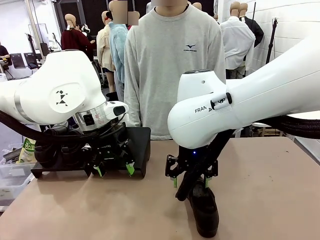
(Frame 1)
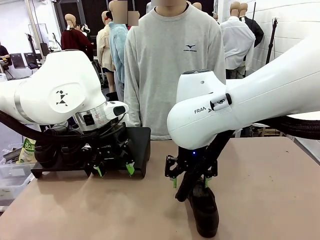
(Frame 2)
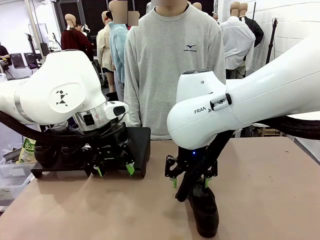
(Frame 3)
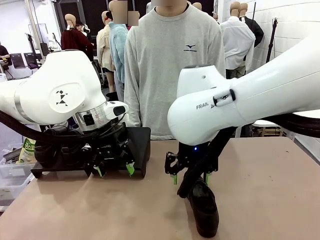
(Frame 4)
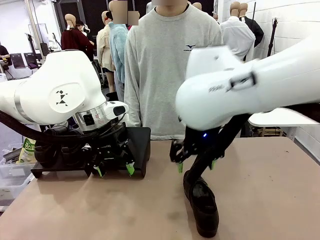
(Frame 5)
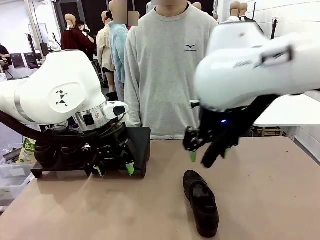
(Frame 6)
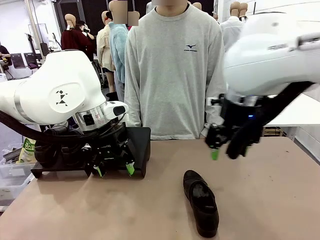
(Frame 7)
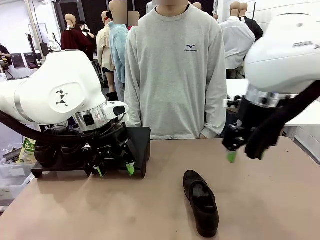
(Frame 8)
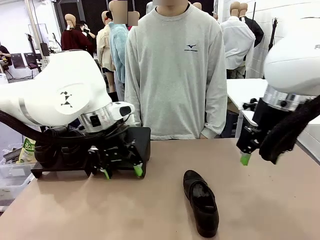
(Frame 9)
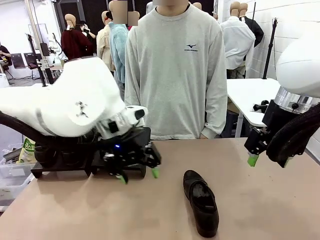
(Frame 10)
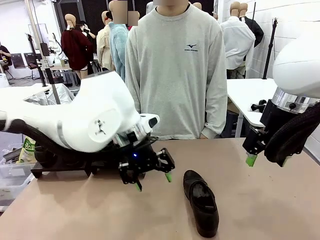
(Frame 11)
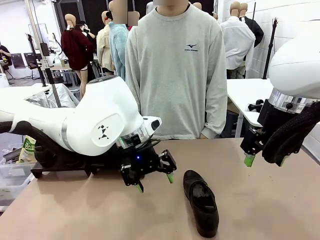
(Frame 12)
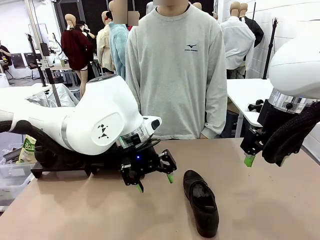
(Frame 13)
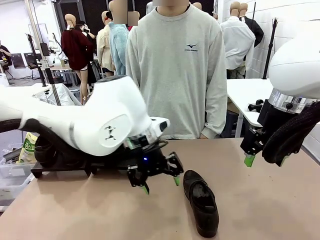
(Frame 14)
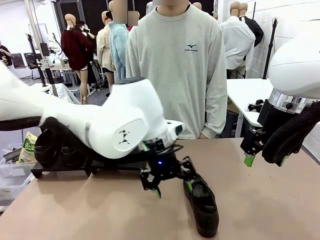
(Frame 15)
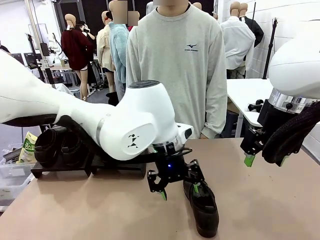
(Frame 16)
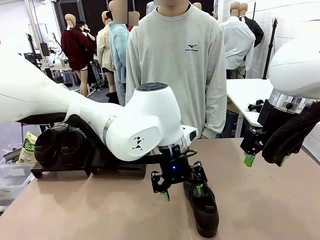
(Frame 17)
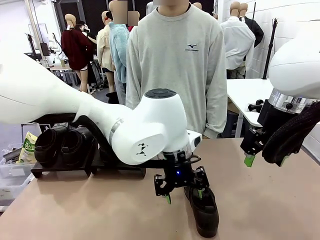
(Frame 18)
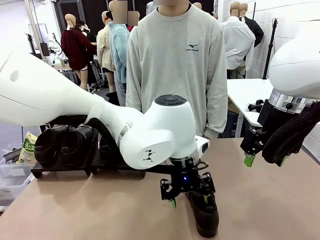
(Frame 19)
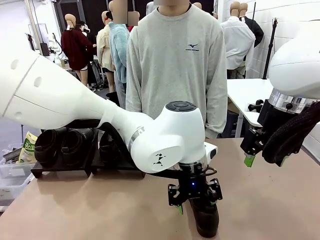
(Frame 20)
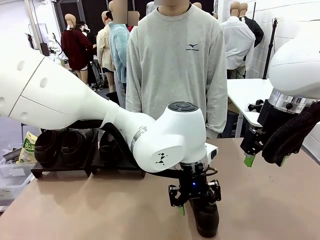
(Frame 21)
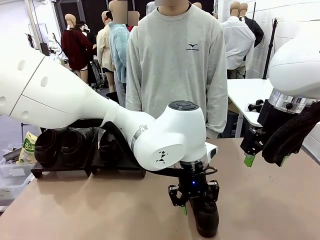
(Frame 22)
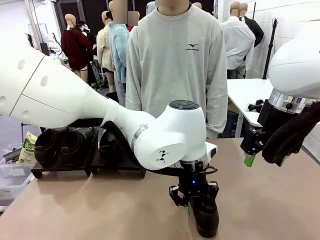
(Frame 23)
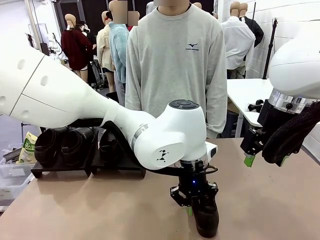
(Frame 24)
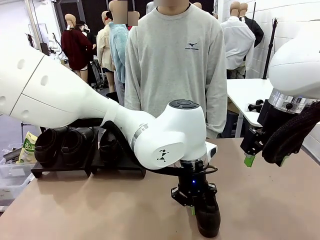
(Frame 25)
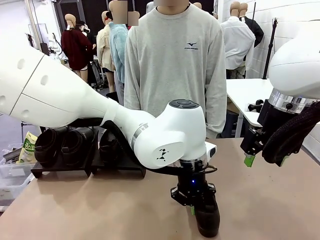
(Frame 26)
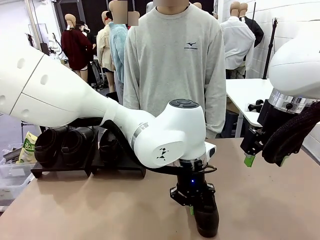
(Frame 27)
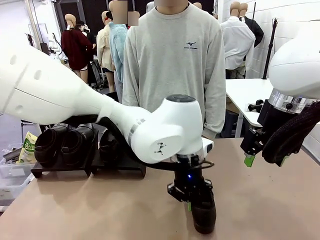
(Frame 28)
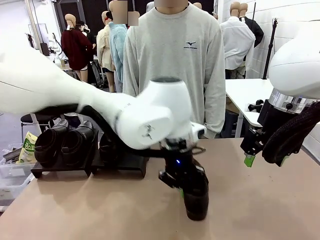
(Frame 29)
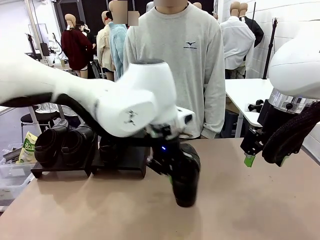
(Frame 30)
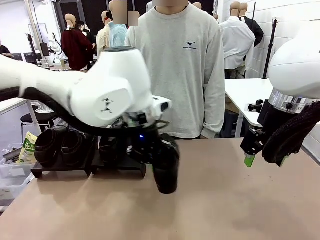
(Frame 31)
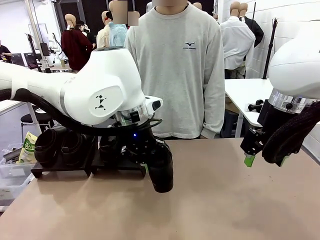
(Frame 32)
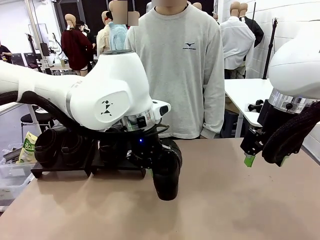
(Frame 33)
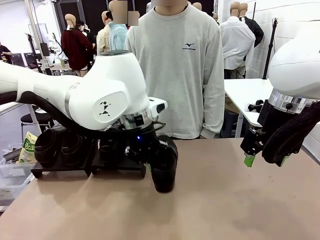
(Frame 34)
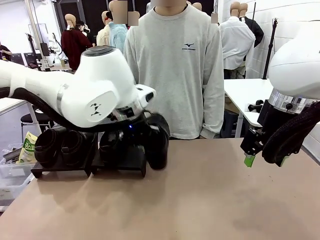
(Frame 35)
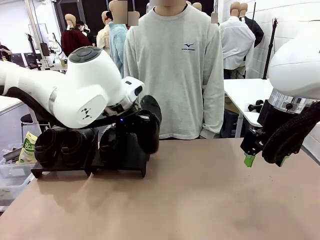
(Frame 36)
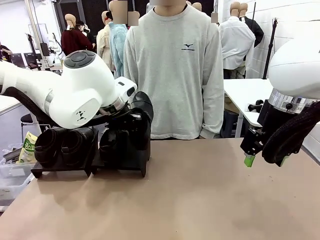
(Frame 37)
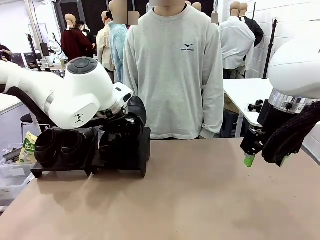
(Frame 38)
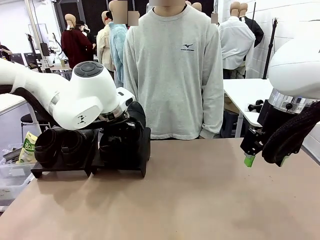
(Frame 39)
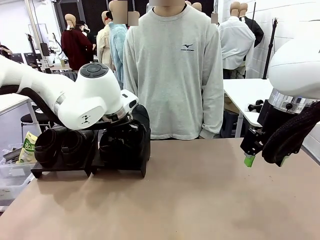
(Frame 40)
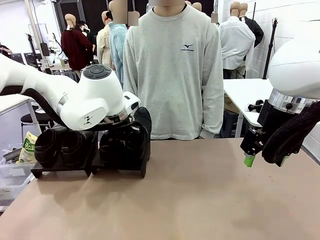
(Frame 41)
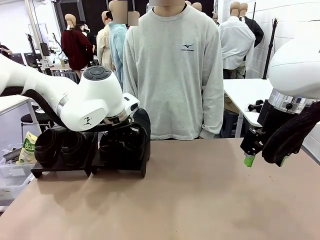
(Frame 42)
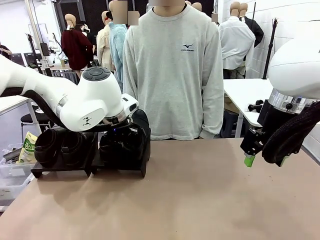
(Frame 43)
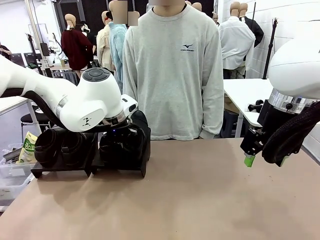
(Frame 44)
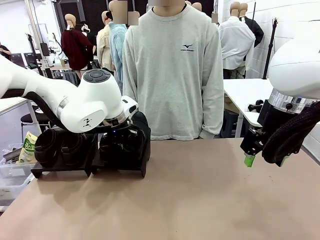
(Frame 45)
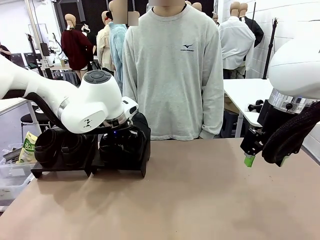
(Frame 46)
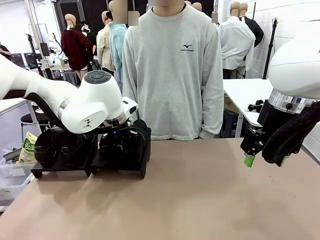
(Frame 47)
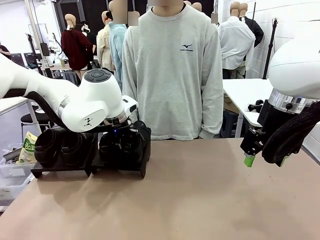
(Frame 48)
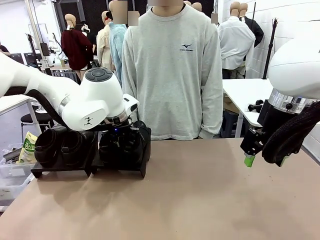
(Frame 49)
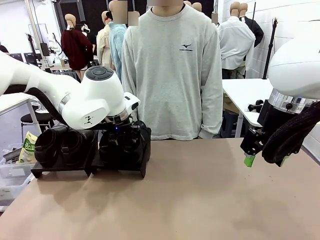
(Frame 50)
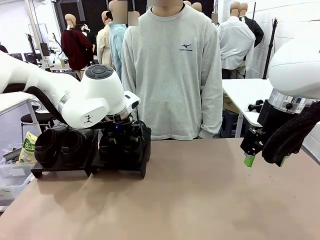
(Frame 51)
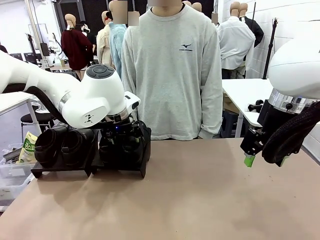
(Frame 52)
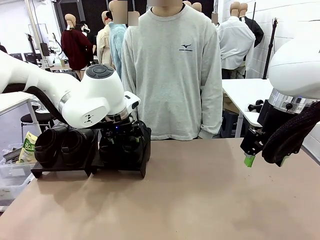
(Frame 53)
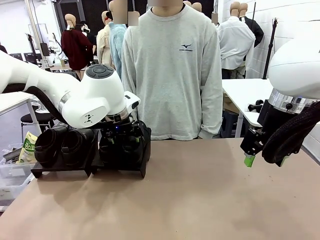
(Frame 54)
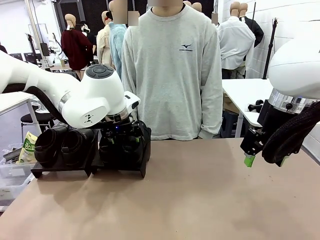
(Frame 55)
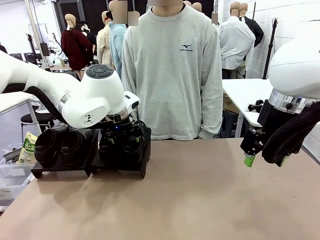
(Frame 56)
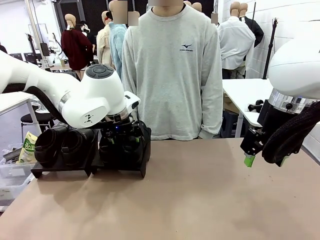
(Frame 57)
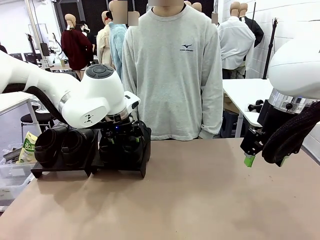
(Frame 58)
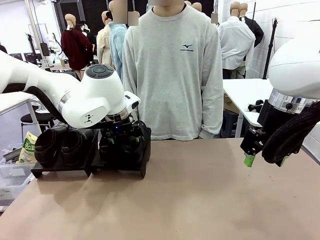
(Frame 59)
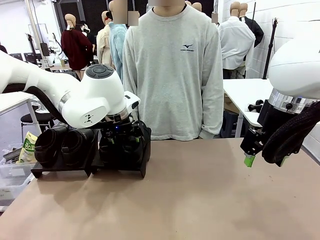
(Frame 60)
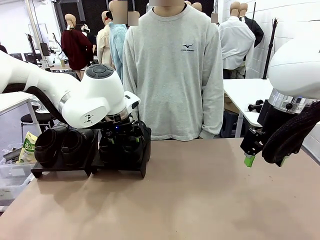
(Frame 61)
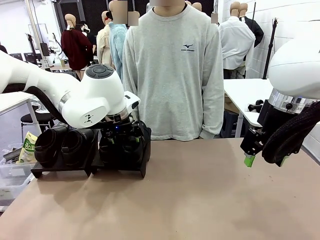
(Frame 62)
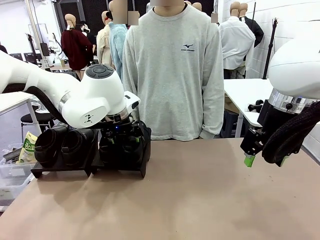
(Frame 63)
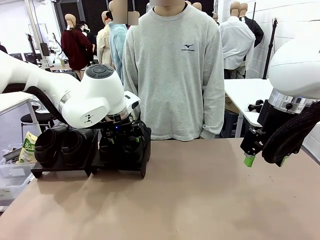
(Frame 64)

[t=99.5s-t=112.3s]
Task: Organize the shoes by placing them on the stand.
Robot: Place the Shoe from the middle of the table onto the Shoes Stand.

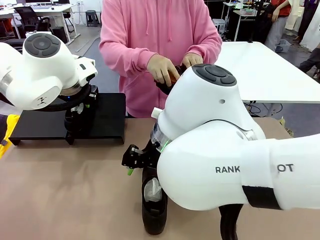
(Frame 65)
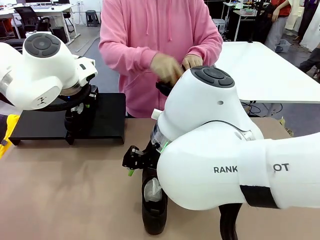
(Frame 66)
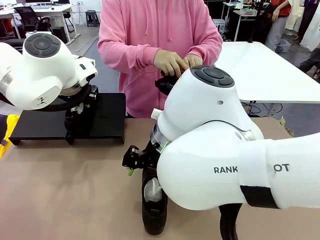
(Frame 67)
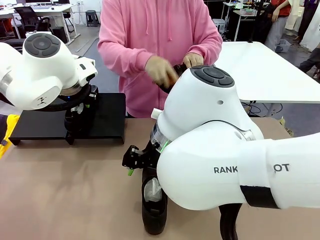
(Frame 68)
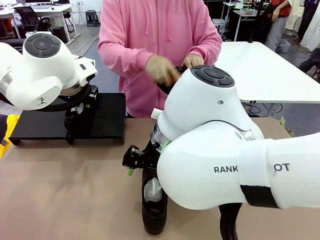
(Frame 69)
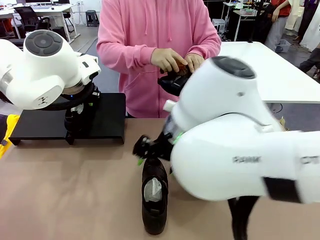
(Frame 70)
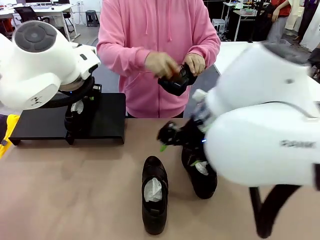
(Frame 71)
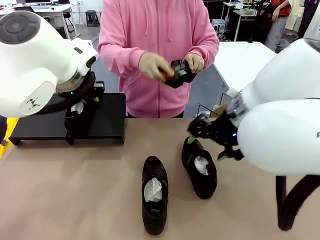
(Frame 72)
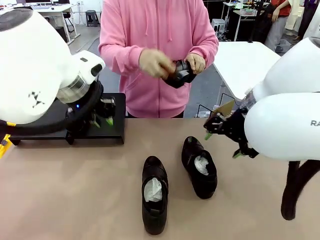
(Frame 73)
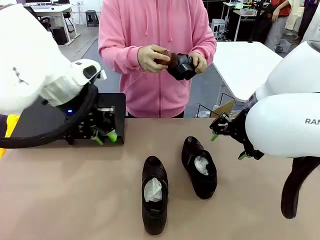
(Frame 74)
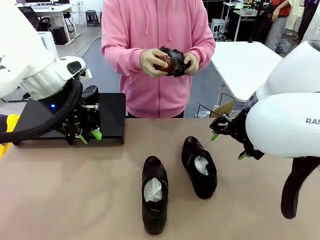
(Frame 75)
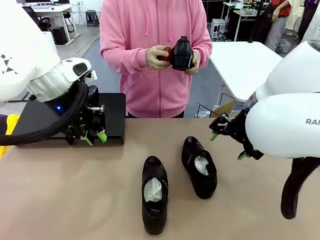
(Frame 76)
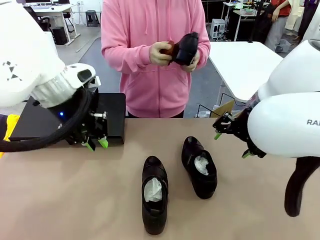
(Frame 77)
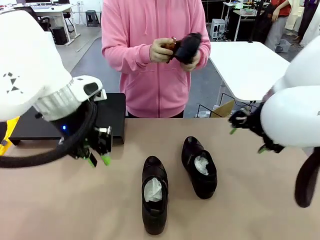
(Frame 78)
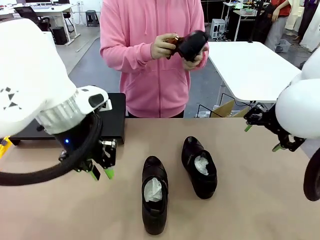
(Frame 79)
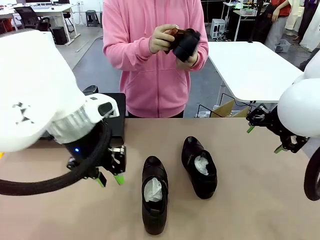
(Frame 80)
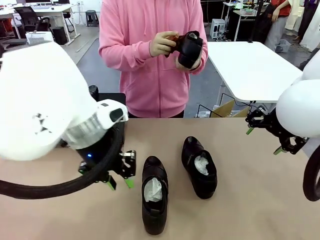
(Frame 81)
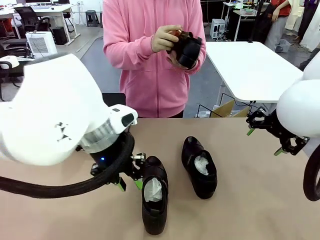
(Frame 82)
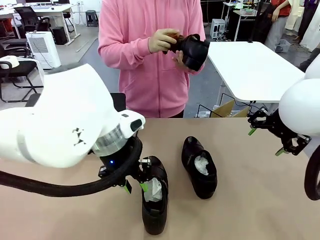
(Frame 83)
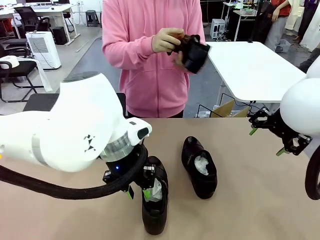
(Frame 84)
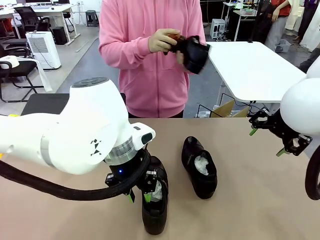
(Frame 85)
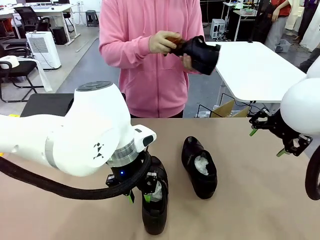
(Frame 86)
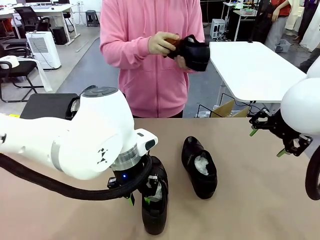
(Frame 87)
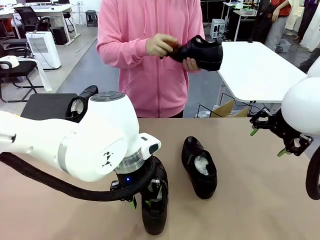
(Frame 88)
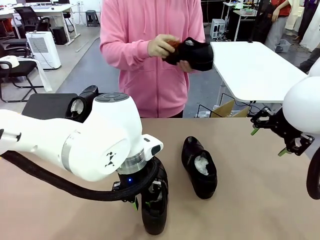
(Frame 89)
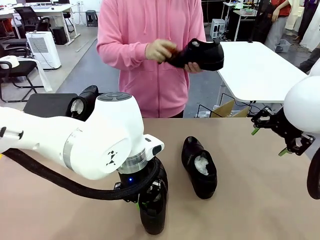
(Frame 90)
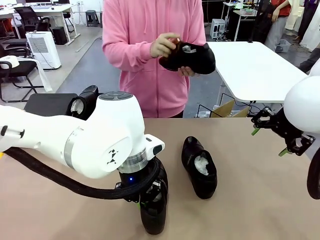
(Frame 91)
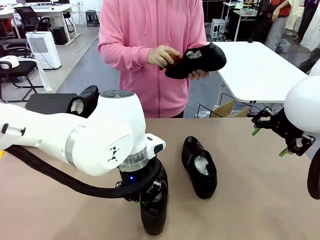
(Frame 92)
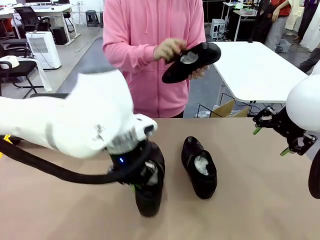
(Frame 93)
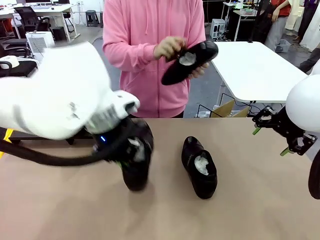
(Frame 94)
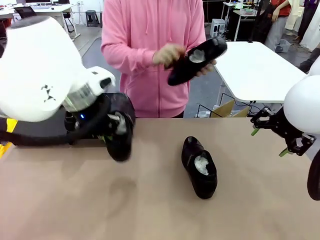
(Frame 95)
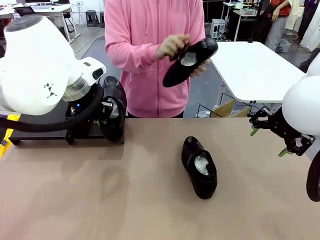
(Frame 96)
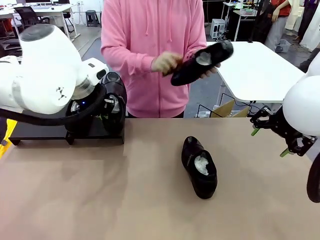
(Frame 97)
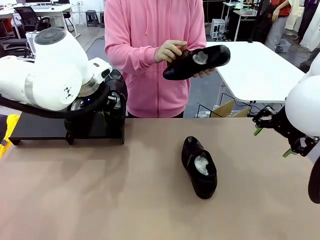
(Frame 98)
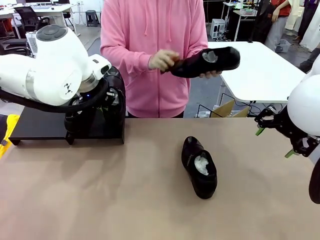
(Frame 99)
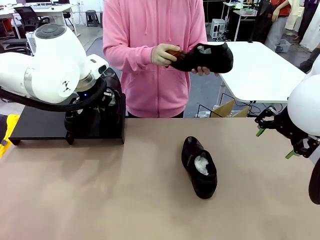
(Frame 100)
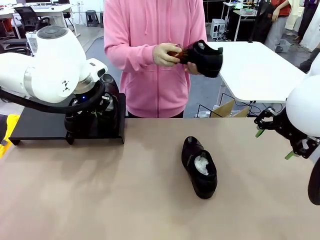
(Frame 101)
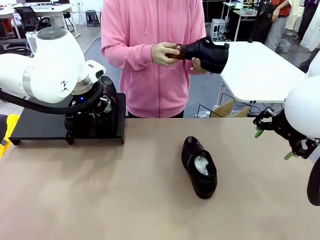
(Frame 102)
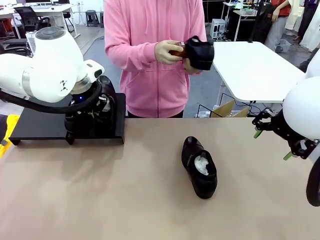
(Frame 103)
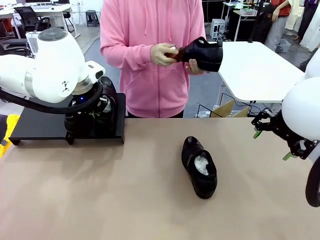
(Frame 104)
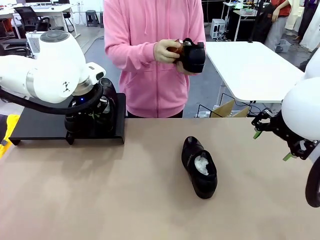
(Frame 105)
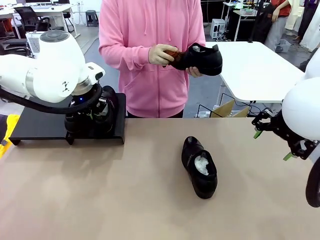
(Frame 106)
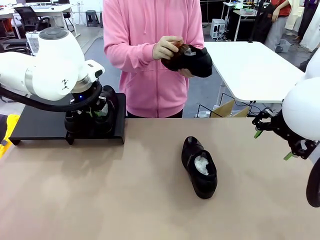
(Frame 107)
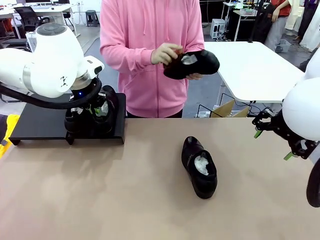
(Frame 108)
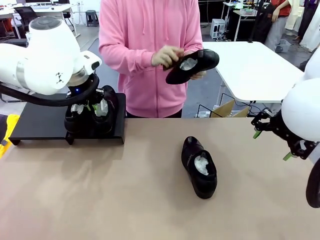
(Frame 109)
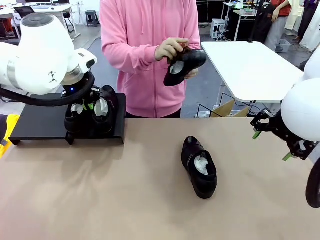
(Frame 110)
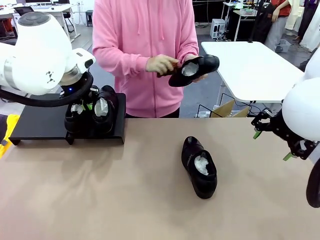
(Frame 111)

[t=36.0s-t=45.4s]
Task: Organize the shoes by placing them on the stand.
Robot: Place the Shoe from the middle of the table onto the Shoes Stand.
Person: Clean the Shoe with the Shoe Brush.
